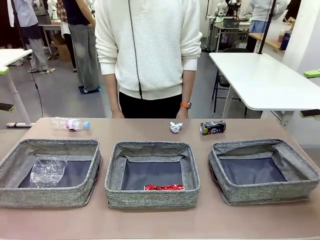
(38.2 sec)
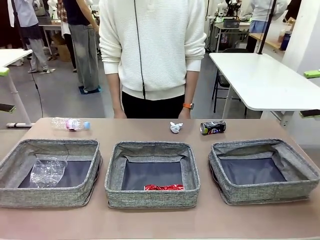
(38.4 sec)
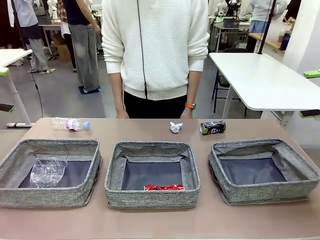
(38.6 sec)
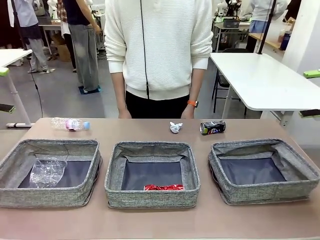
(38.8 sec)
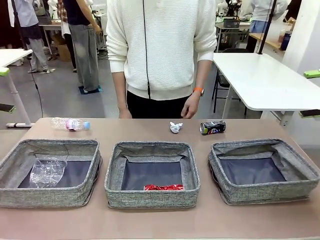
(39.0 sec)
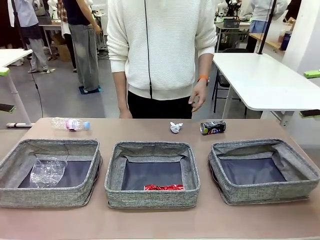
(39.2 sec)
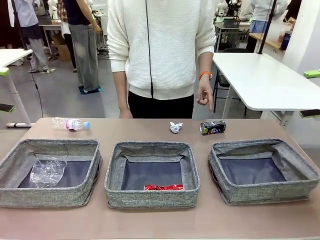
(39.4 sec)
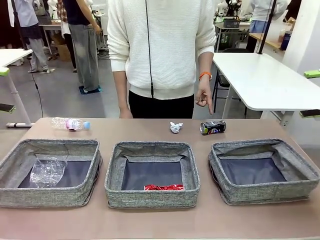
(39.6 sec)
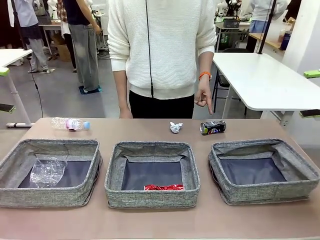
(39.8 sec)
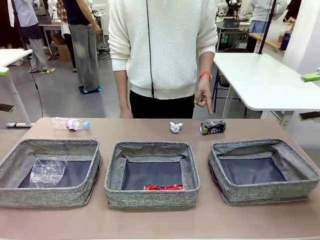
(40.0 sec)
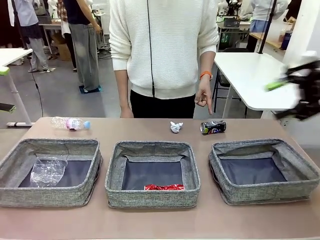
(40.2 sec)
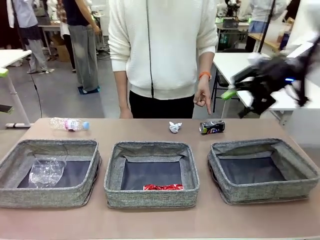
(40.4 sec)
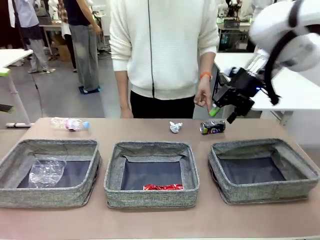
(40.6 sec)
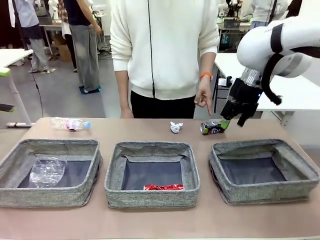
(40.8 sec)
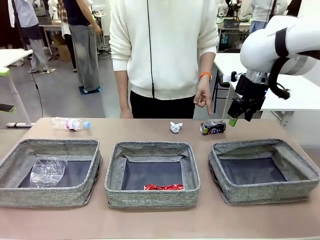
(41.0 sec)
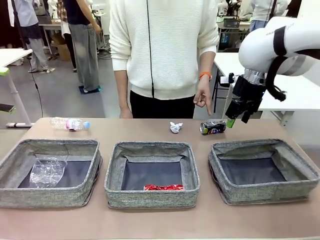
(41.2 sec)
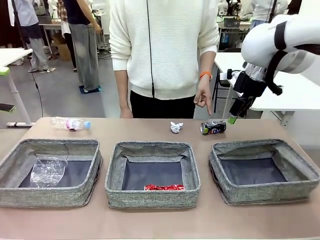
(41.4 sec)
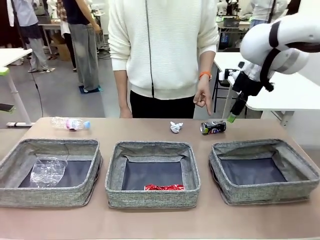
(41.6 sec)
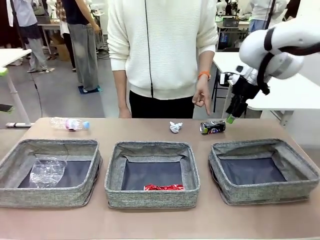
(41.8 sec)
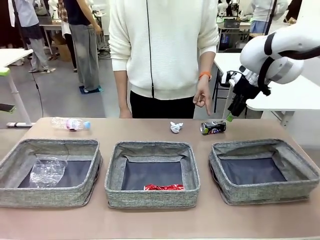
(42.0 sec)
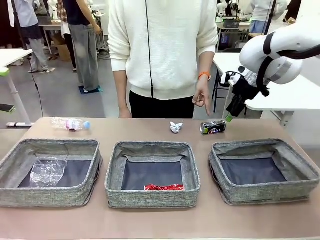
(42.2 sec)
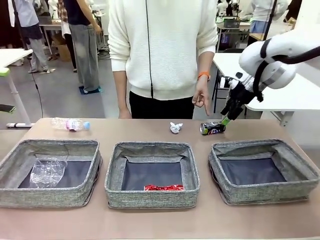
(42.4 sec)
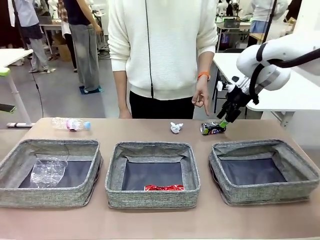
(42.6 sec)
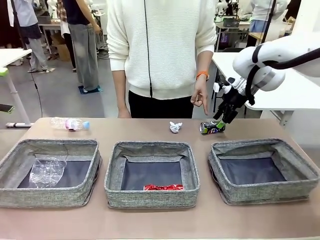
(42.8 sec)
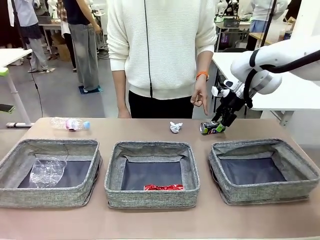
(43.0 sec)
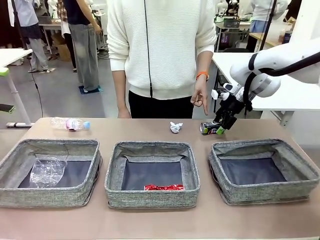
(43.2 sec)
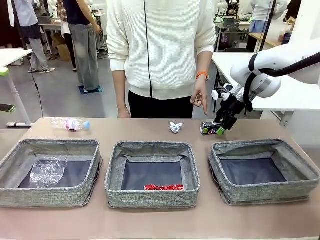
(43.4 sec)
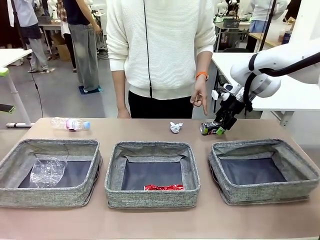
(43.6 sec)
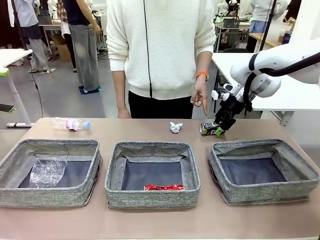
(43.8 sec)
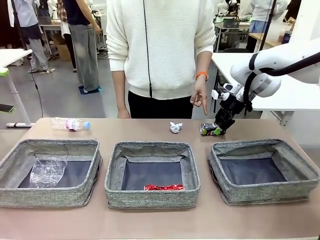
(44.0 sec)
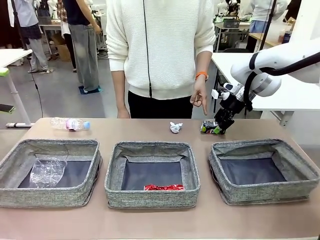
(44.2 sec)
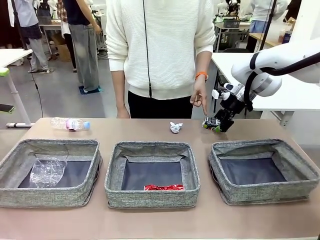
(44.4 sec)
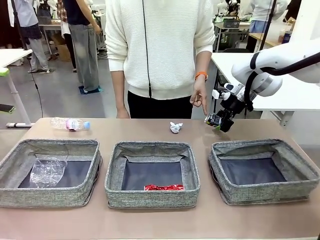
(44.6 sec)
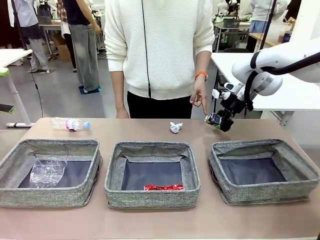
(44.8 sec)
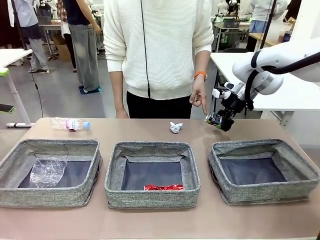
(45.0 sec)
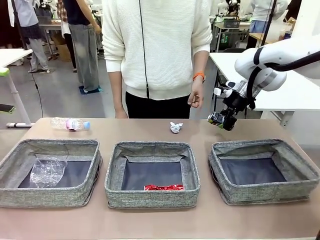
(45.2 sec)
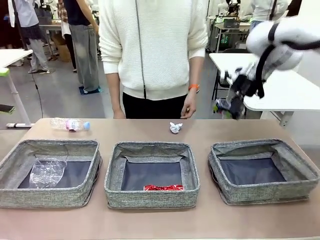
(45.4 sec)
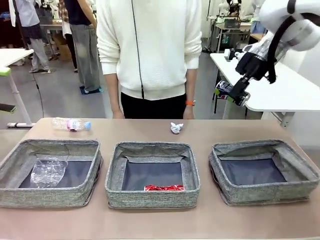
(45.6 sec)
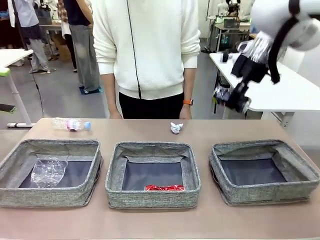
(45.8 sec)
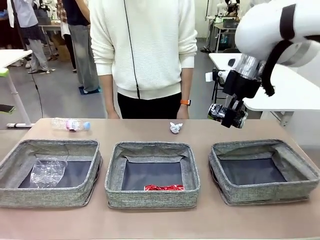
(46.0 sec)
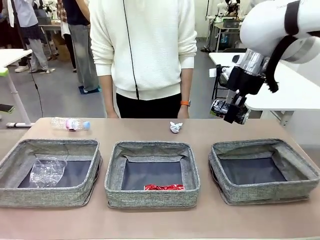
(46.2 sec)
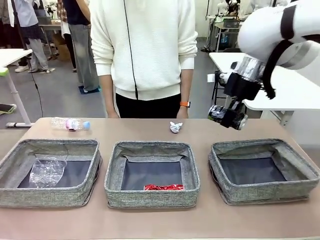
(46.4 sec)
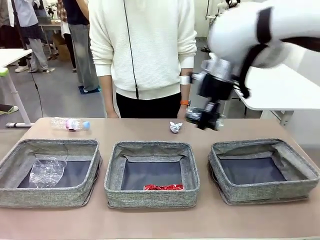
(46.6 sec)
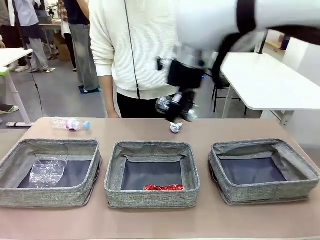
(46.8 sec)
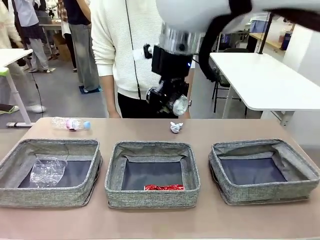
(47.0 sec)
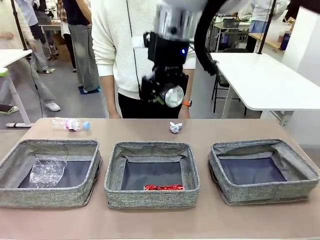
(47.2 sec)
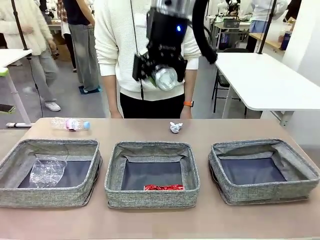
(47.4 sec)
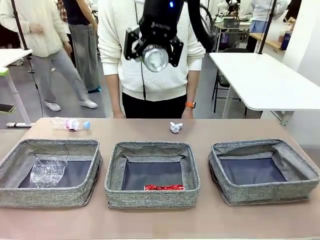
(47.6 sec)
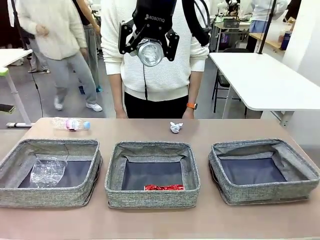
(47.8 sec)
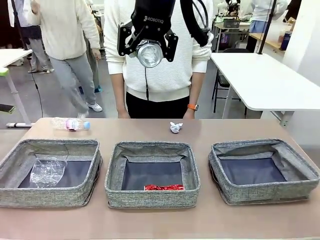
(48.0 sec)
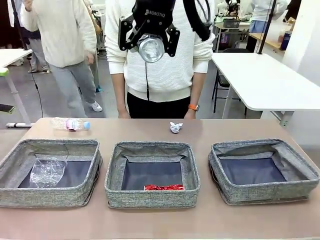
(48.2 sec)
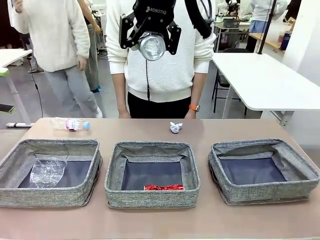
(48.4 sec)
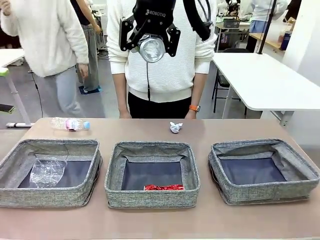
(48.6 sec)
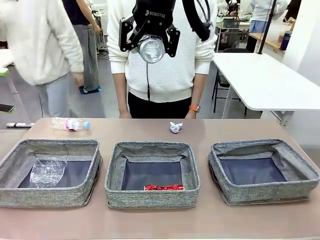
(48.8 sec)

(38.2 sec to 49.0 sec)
Task: Sort the waste into the appropriate baskets.
Robot: Pick up the waste item pointed out by the person.
Person: Points to one piece of trash on the table.

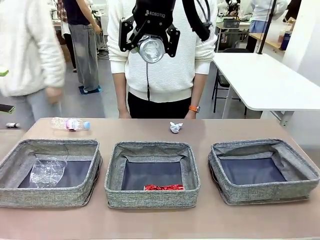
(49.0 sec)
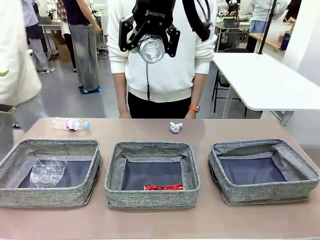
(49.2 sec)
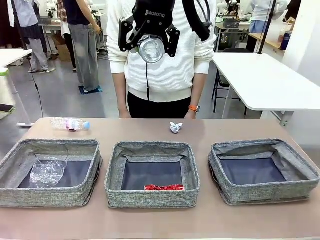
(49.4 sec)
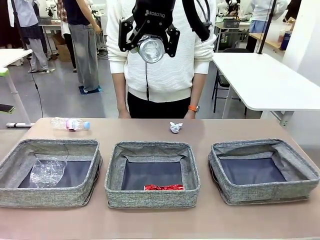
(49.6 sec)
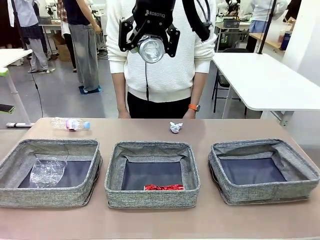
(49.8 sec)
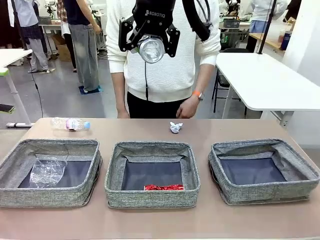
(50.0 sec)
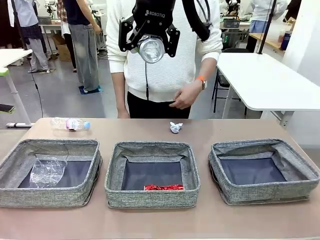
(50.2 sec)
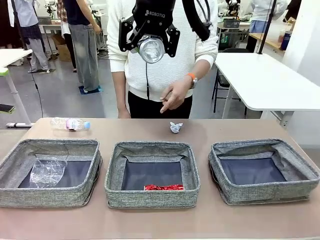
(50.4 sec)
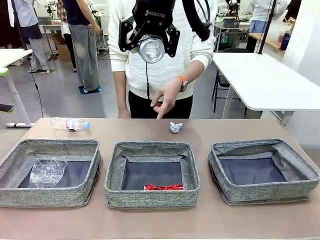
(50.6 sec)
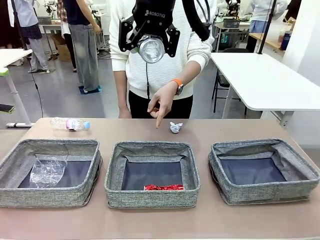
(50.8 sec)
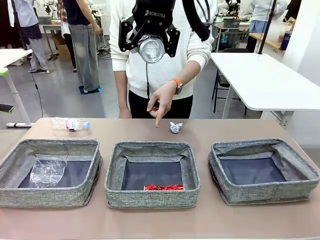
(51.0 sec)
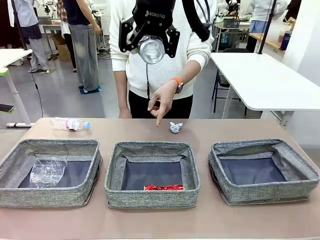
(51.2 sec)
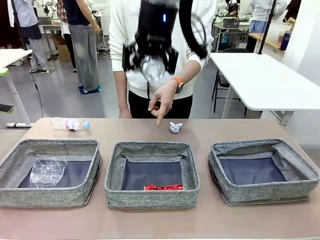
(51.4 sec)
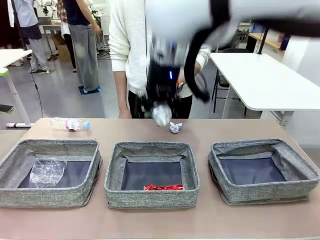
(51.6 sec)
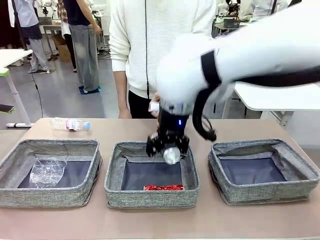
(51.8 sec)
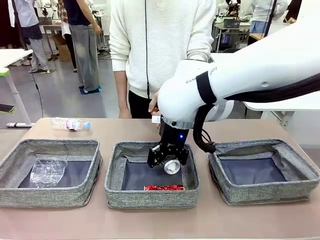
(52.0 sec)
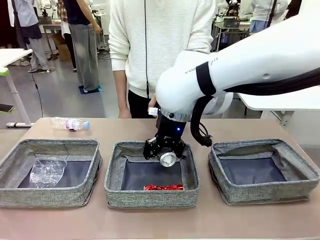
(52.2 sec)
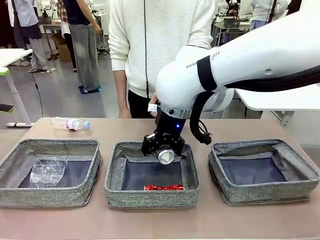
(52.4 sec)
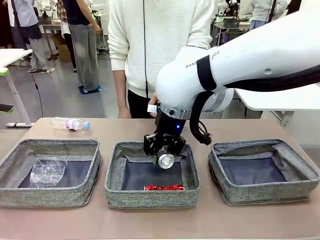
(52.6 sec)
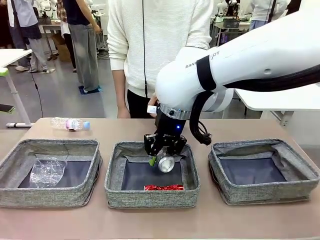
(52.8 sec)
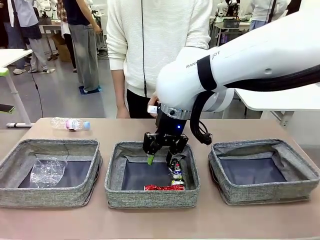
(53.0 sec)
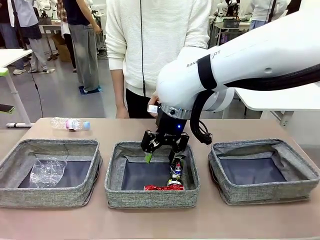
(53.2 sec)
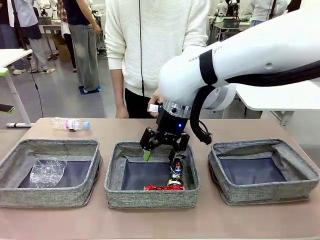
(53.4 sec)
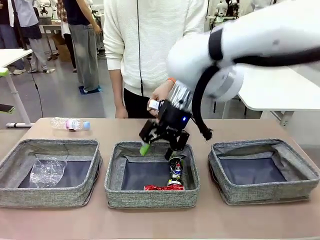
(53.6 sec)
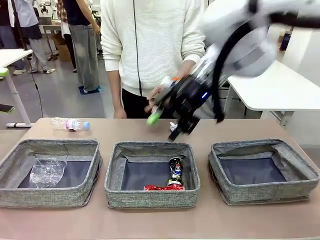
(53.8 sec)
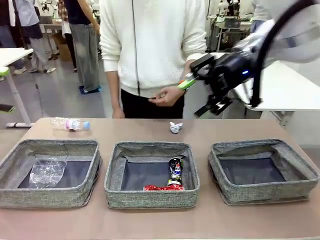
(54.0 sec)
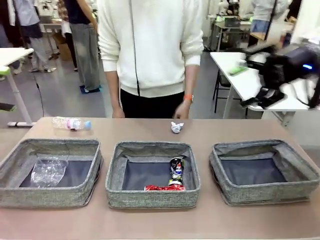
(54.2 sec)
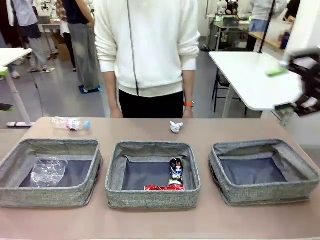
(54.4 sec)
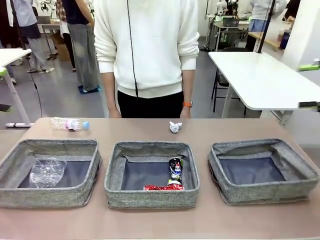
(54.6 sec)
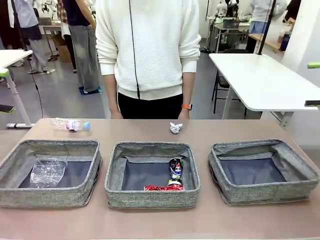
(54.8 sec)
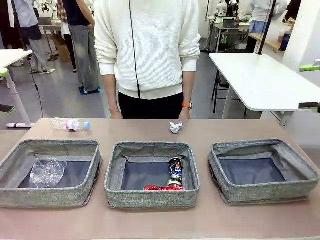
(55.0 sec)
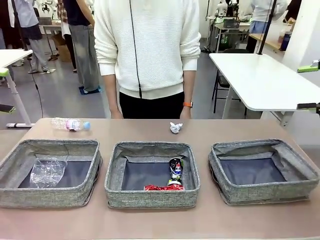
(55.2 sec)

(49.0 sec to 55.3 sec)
Robot: Place the picked waste into the Fabric basket indicated by the person.
Person: Instructs the robot to place the picked-up trash into the appropriate organizing basket.
